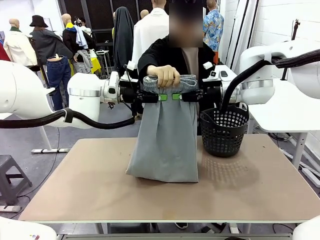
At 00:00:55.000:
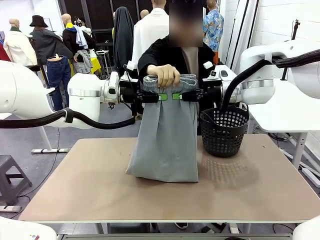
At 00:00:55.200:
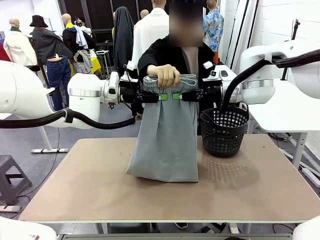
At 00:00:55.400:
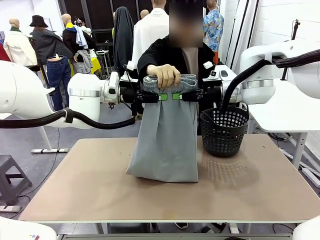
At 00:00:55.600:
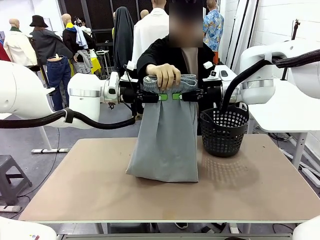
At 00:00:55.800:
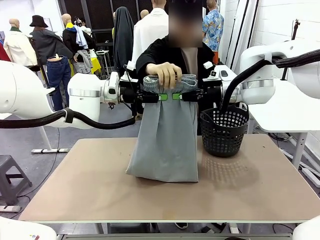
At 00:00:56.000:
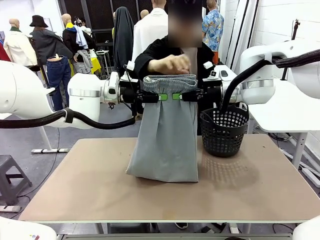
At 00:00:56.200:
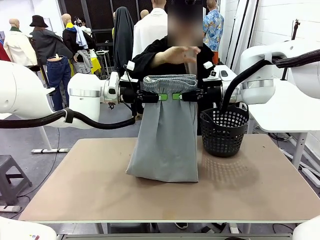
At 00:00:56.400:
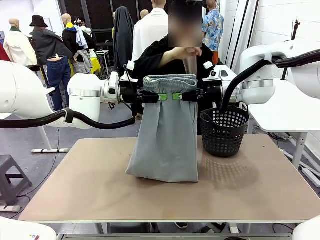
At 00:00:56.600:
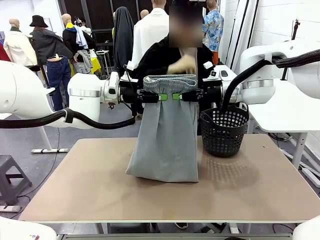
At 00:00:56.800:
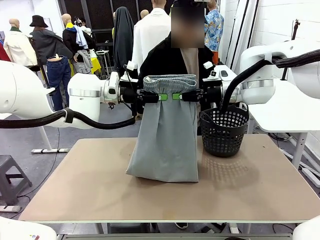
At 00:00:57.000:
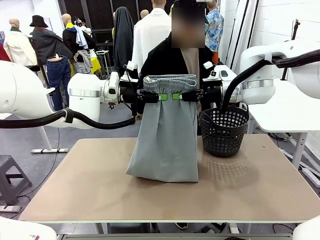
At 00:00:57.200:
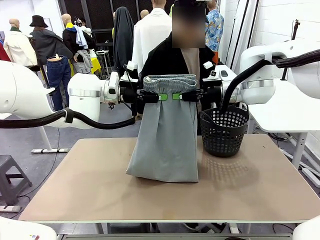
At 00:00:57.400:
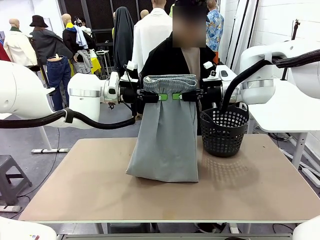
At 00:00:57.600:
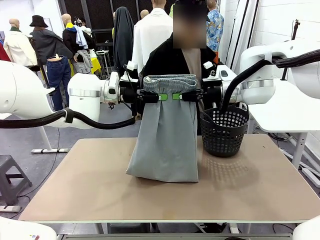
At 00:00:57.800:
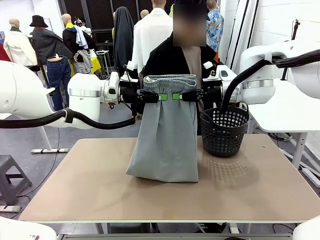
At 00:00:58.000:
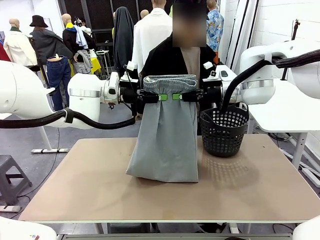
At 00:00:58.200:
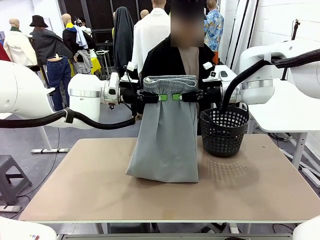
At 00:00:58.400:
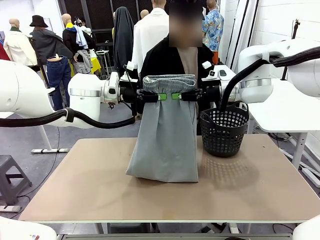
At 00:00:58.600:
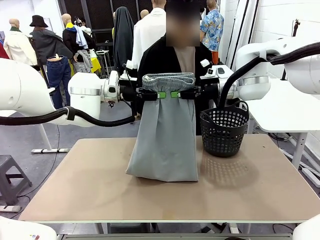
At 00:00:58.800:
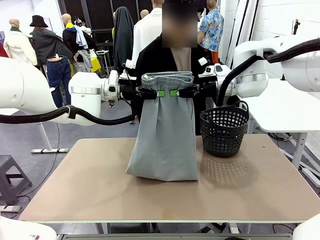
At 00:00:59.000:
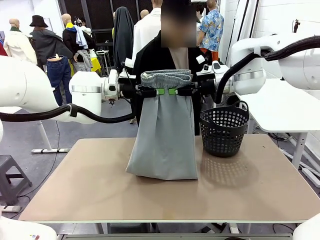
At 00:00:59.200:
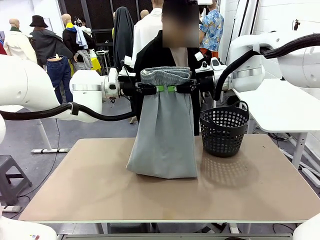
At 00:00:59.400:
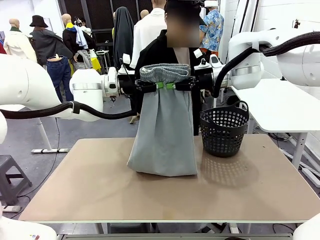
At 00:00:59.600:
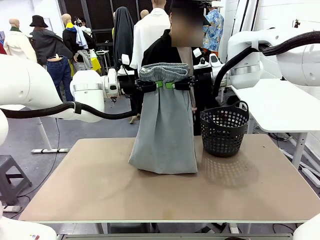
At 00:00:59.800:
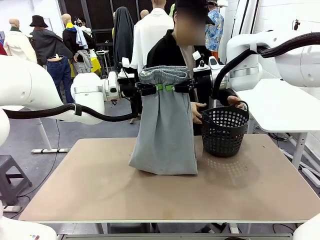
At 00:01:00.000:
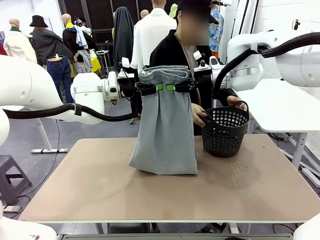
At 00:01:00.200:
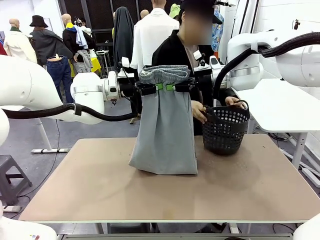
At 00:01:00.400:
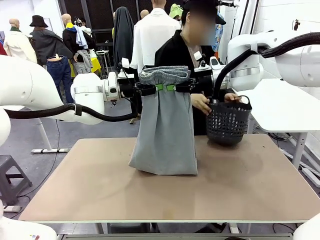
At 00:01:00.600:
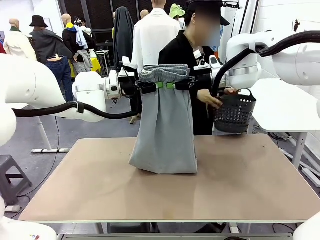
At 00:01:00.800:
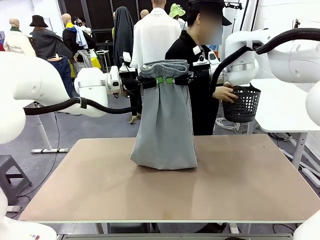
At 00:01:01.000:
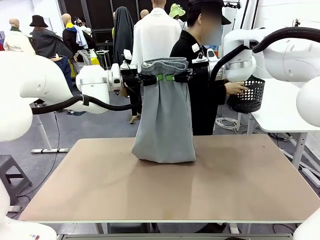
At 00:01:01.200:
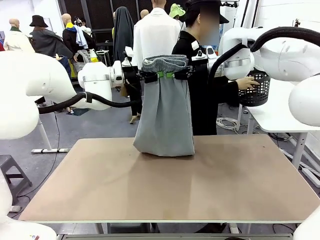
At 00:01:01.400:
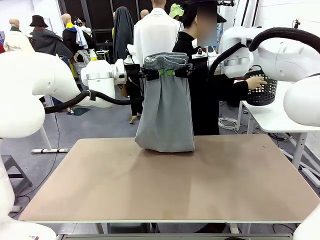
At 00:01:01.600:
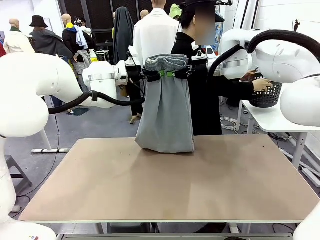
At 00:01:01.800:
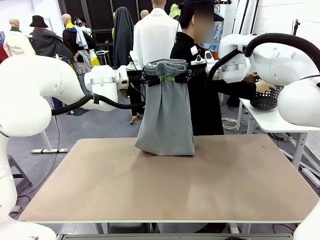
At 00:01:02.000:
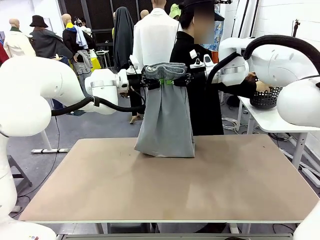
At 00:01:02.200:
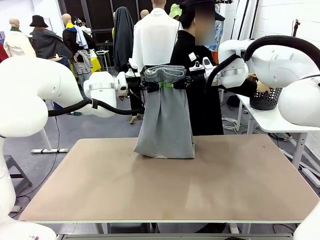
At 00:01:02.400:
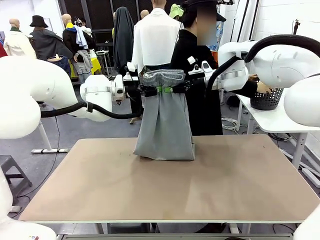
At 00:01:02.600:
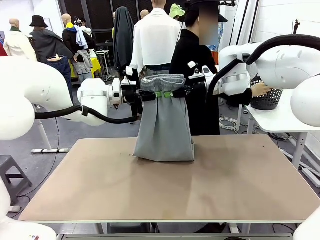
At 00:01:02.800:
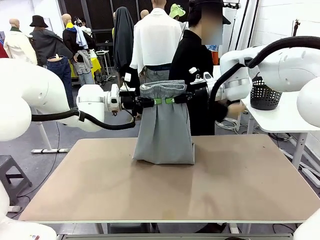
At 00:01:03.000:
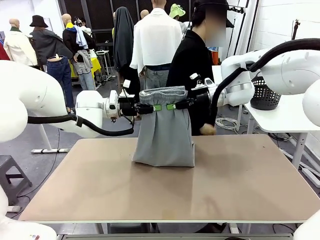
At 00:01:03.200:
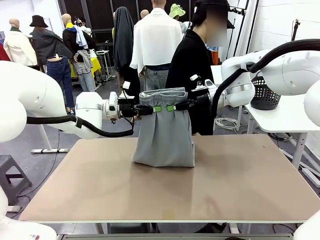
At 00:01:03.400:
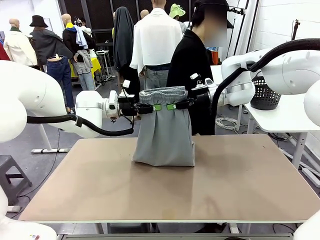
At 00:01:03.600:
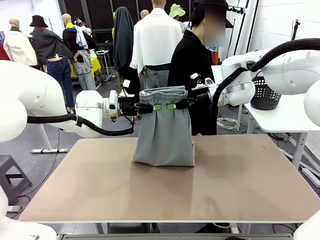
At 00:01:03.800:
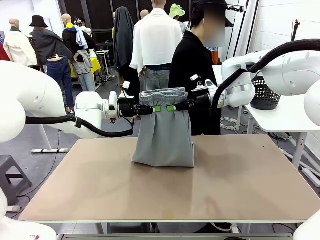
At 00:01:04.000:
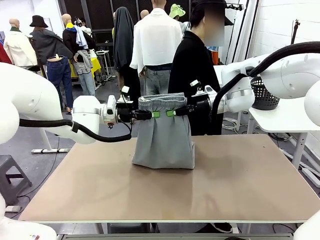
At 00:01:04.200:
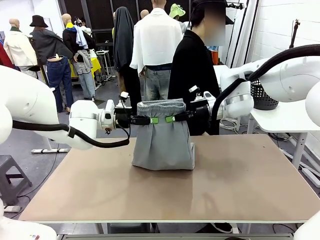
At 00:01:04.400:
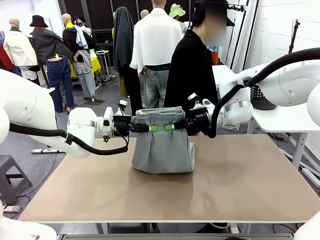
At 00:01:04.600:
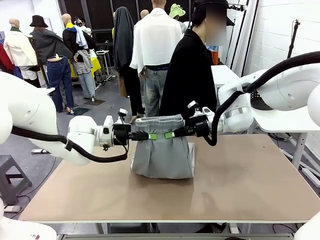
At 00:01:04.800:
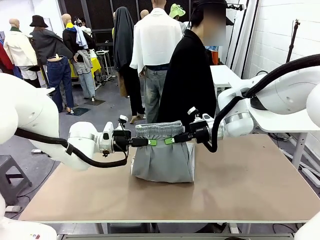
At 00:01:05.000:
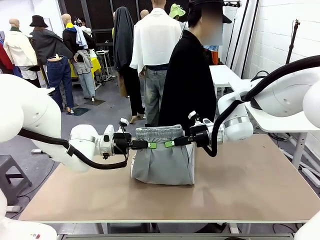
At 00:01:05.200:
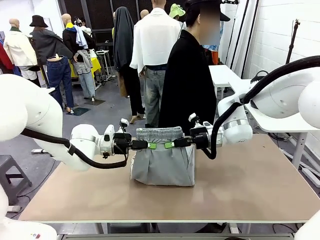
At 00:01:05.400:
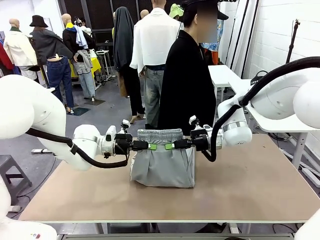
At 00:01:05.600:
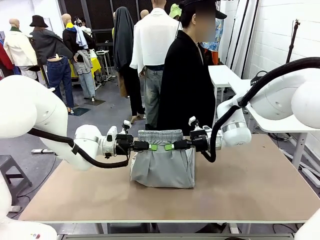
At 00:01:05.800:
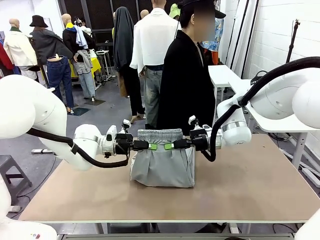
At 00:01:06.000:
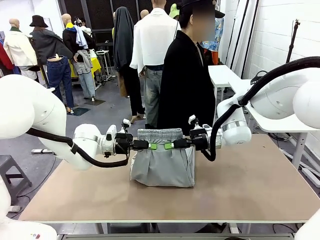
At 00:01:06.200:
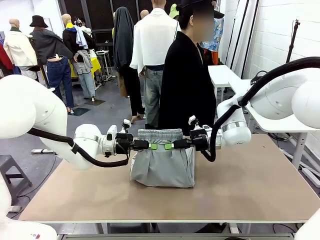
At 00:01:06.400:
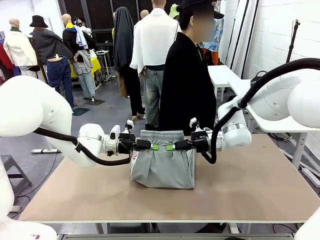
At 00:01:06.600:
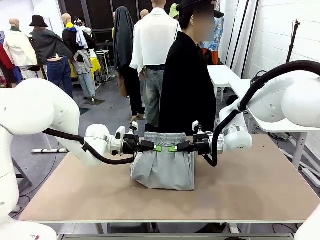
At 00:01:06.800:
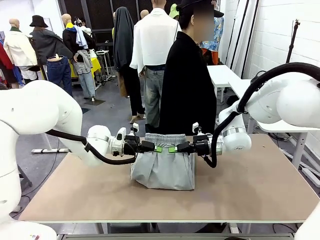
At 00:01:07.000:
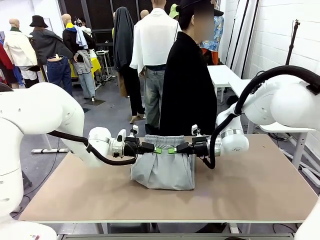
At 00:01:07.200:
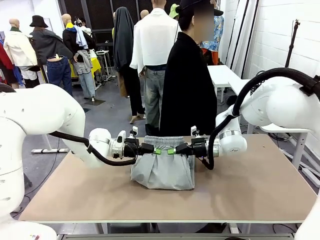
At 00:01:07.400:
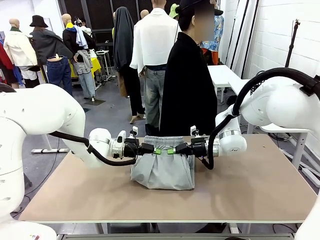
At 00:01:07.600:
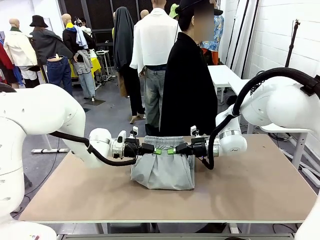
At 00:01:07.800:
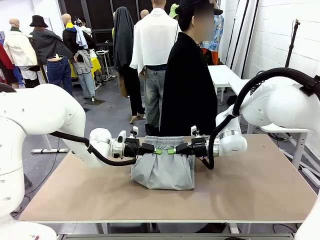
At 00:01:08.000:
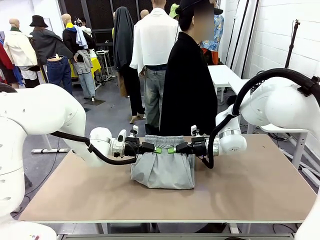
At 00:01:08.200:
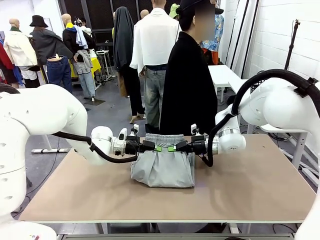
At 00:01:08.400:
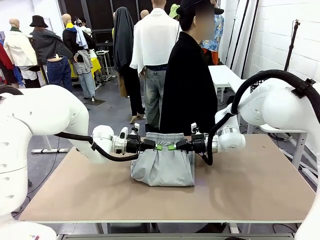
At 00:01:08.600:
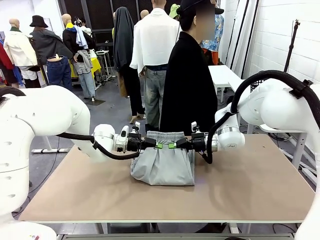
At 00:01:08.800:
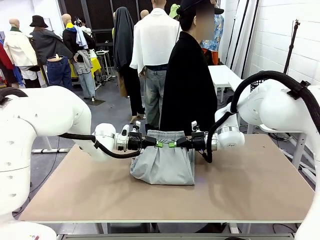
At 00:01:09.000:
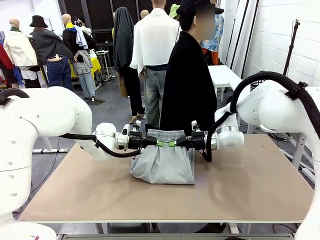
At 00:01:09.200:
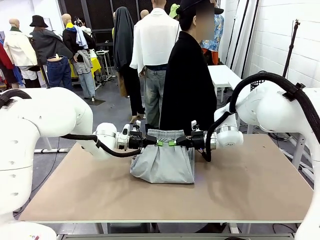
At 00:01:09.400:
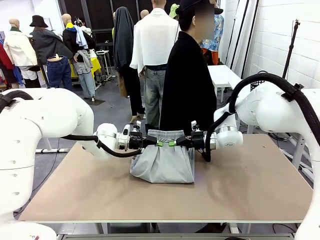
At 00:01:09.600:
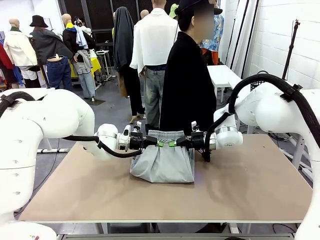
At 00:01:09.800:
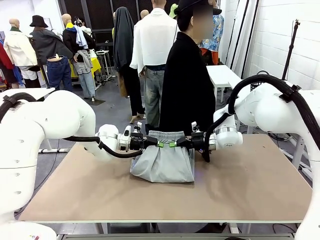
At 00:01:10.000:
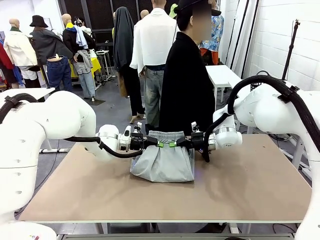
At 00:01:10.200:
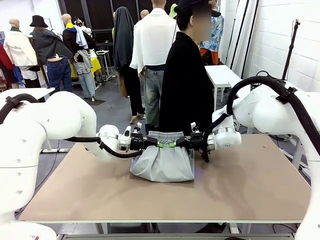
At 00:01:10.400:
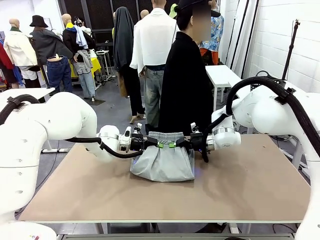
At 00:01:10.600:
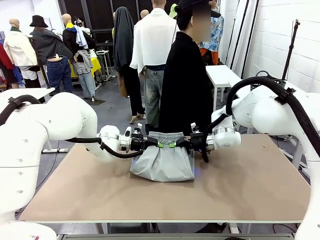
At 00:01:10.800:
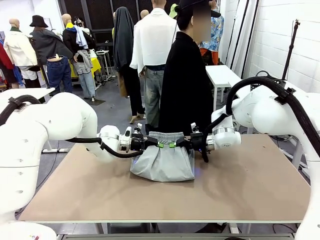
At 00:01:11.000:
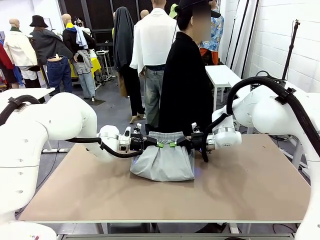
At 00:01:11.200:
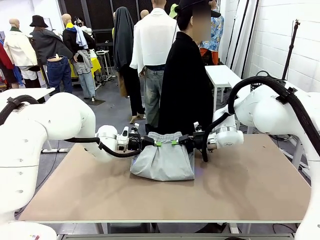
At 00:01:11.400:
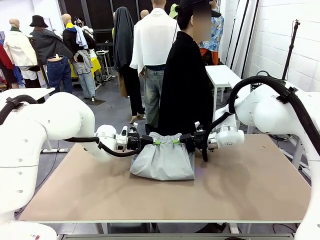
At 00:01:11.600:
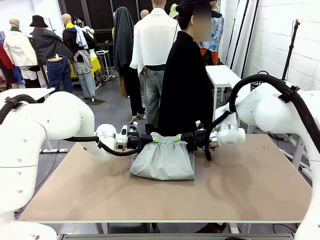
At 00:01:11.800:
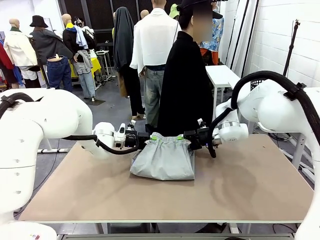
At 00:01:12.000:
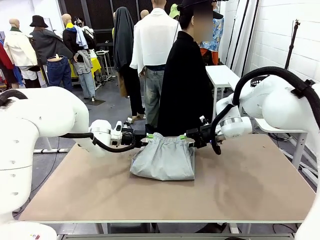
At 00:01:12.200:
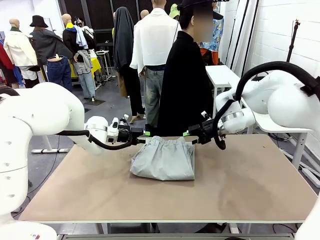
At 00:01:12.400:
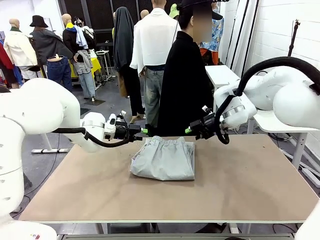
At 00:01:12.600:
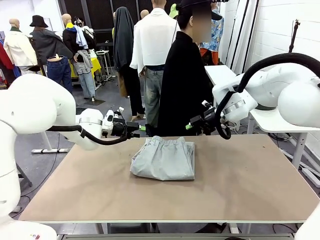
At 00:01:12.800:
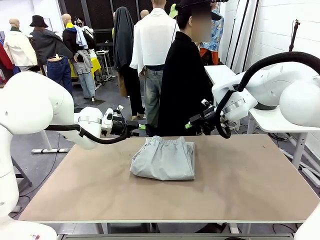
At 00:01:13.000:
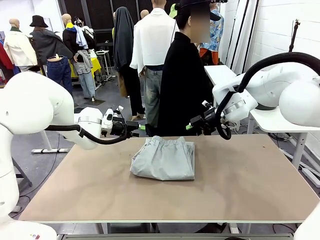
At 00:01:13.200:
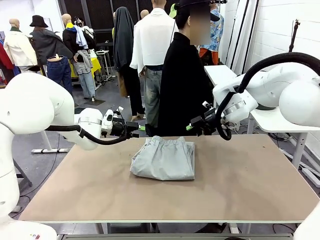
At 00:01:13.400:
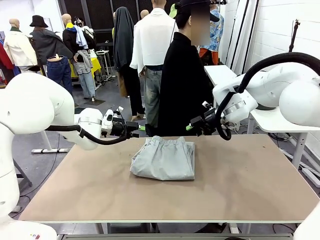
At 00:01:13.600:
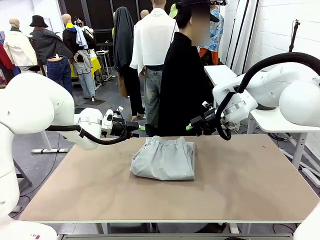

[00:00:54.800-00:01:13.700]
Task: Fold the training pants.
Robot: Fold the Training pants in half.
Person: Move the laundry basket to the right of the human table.
